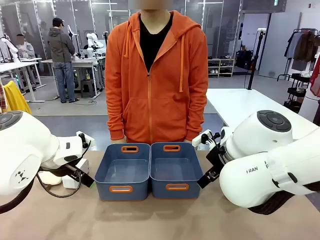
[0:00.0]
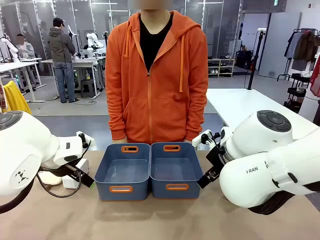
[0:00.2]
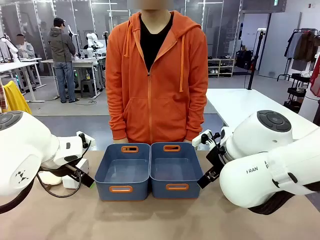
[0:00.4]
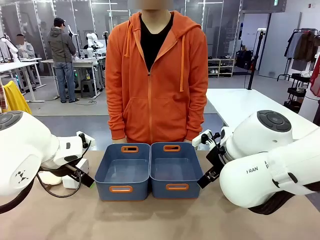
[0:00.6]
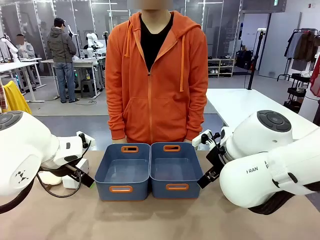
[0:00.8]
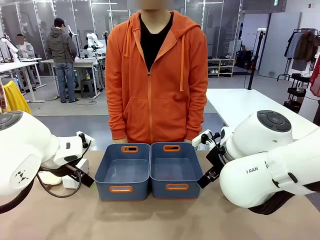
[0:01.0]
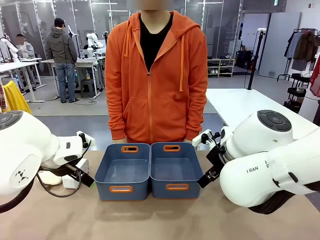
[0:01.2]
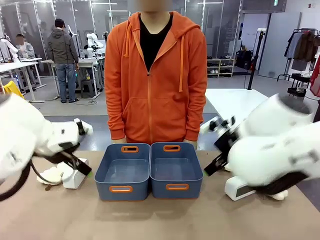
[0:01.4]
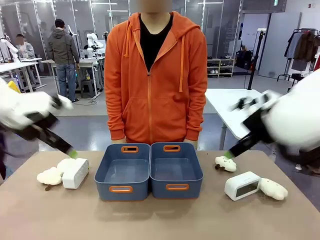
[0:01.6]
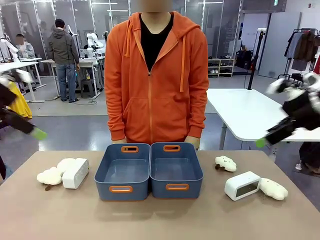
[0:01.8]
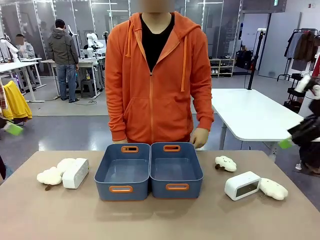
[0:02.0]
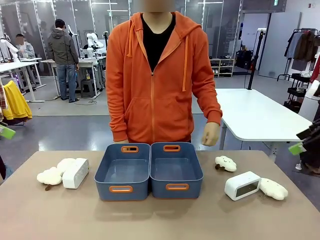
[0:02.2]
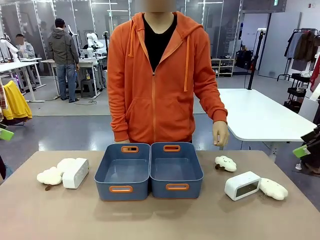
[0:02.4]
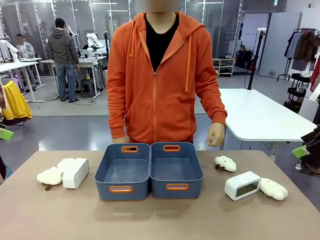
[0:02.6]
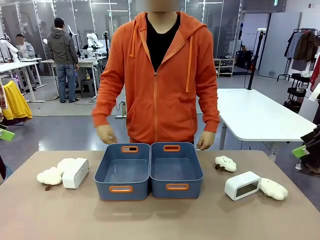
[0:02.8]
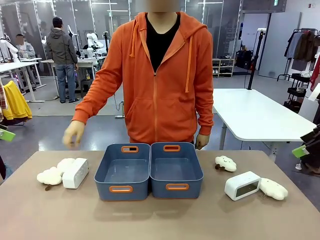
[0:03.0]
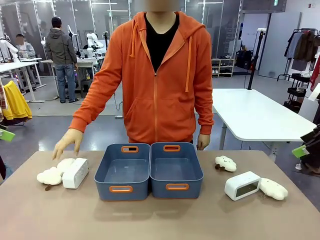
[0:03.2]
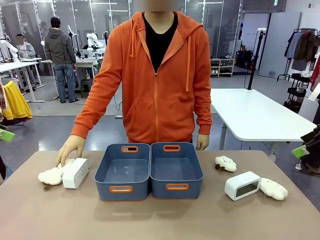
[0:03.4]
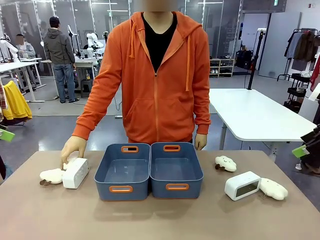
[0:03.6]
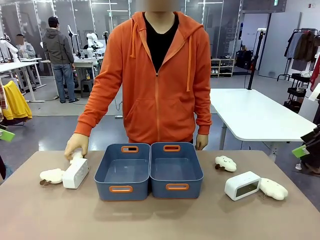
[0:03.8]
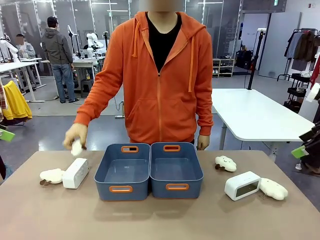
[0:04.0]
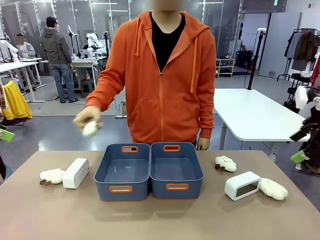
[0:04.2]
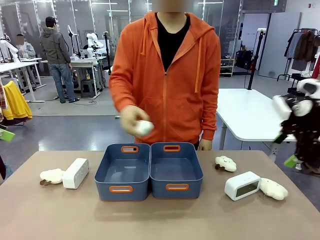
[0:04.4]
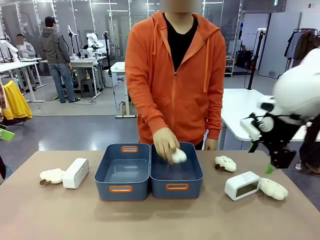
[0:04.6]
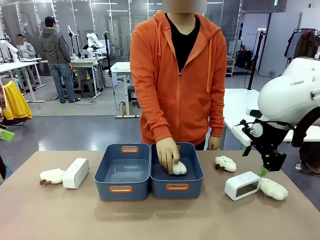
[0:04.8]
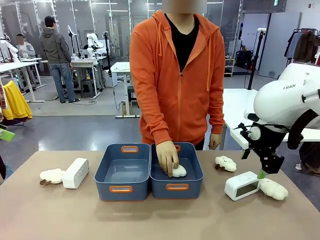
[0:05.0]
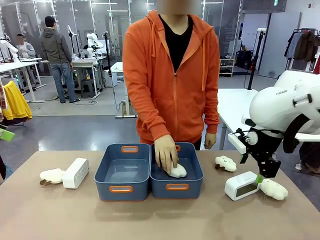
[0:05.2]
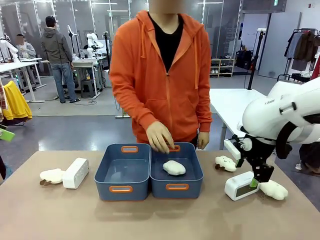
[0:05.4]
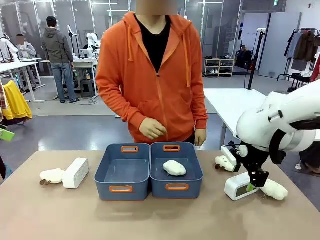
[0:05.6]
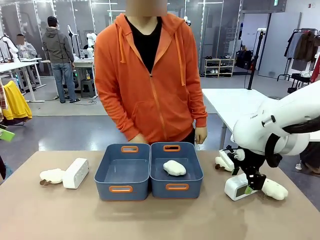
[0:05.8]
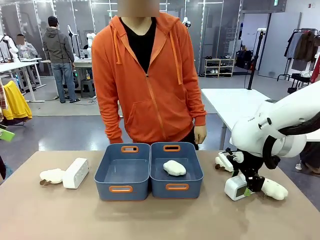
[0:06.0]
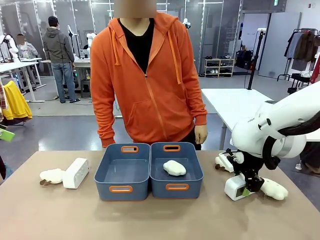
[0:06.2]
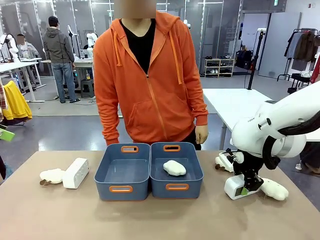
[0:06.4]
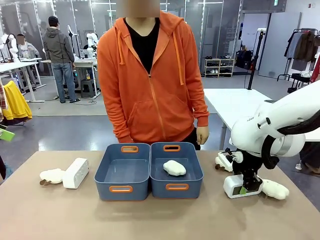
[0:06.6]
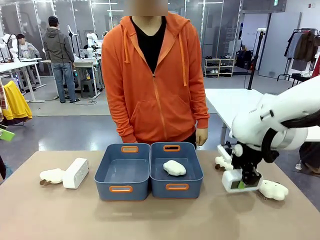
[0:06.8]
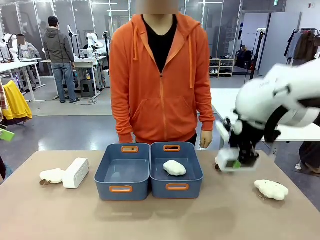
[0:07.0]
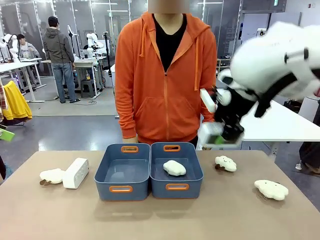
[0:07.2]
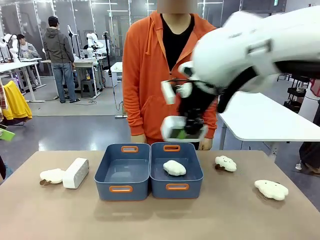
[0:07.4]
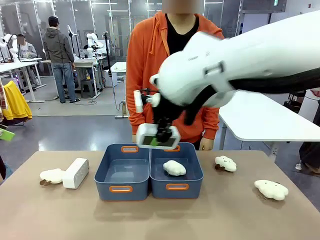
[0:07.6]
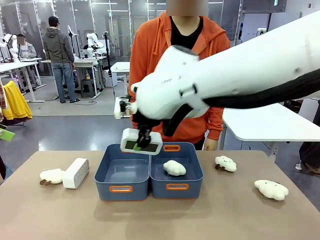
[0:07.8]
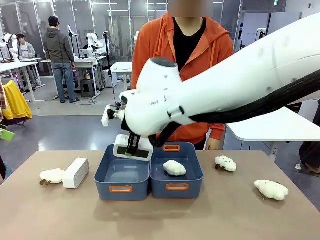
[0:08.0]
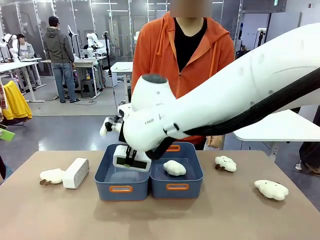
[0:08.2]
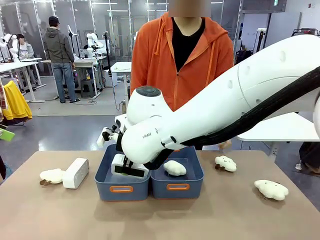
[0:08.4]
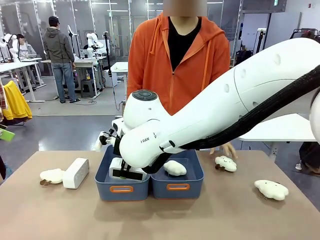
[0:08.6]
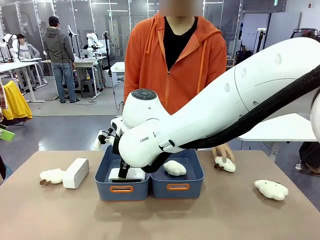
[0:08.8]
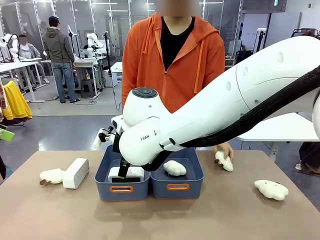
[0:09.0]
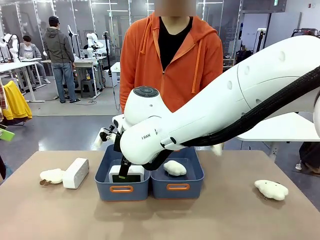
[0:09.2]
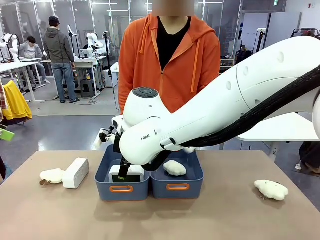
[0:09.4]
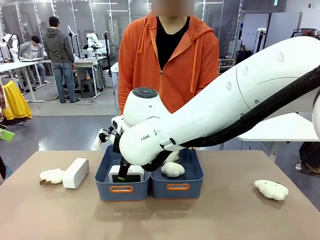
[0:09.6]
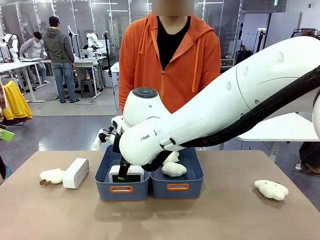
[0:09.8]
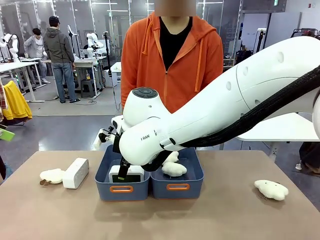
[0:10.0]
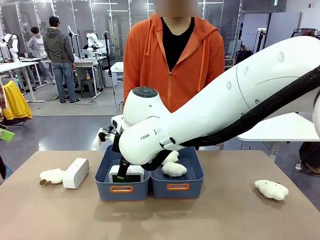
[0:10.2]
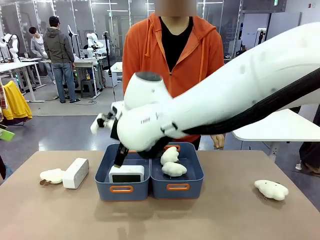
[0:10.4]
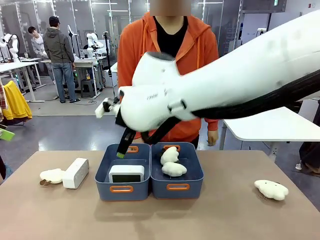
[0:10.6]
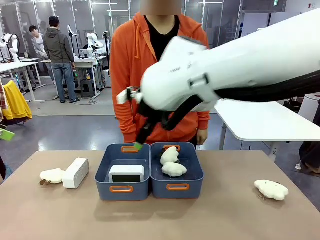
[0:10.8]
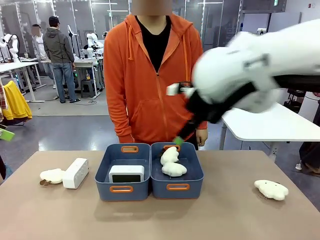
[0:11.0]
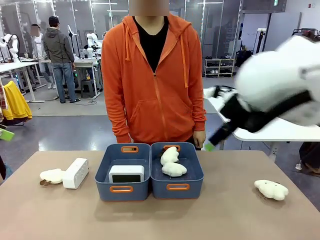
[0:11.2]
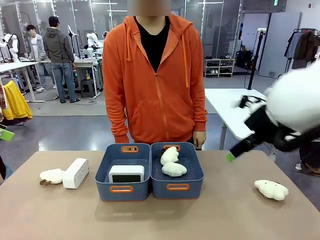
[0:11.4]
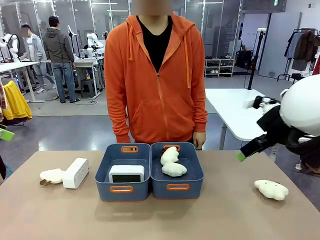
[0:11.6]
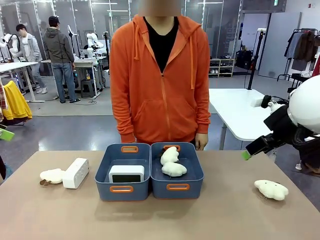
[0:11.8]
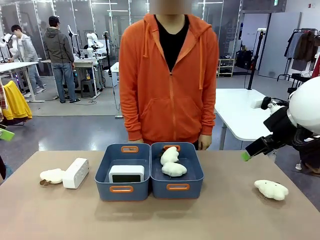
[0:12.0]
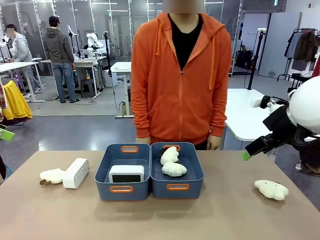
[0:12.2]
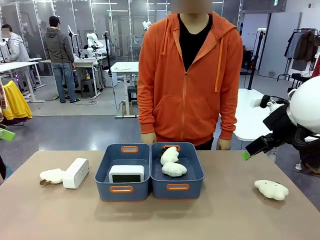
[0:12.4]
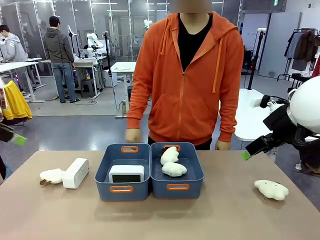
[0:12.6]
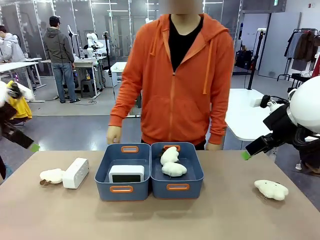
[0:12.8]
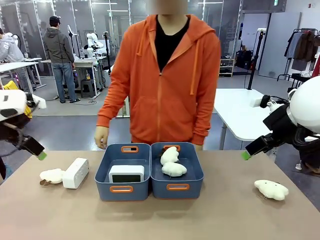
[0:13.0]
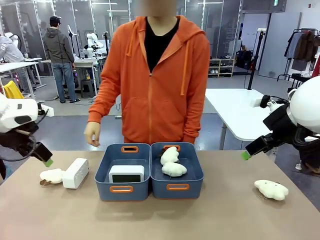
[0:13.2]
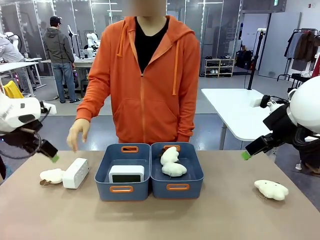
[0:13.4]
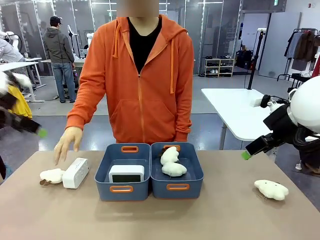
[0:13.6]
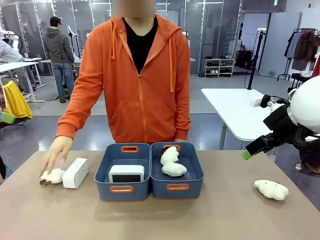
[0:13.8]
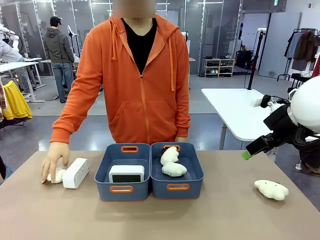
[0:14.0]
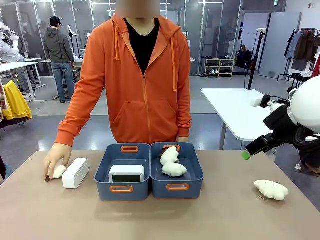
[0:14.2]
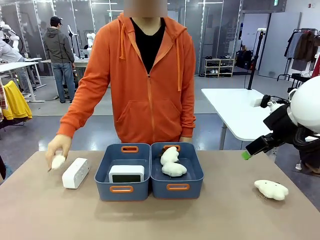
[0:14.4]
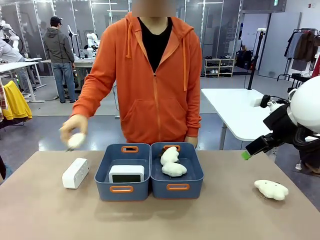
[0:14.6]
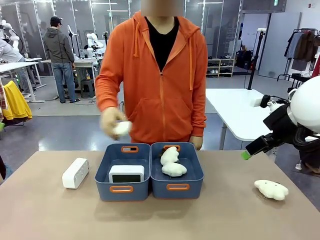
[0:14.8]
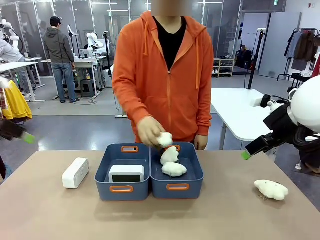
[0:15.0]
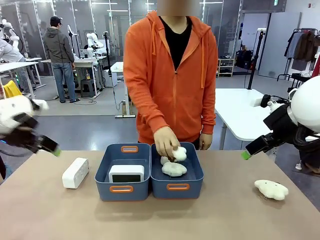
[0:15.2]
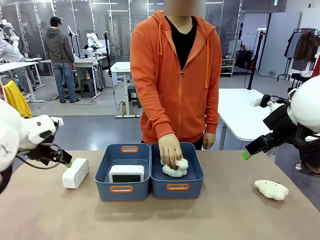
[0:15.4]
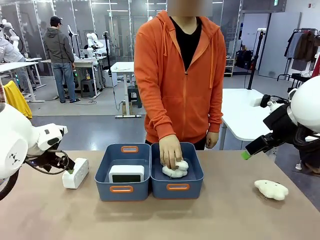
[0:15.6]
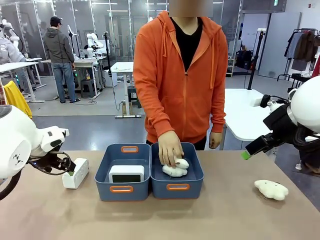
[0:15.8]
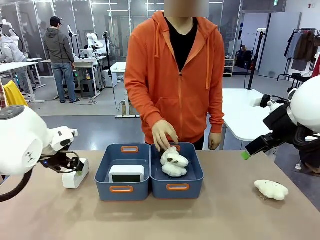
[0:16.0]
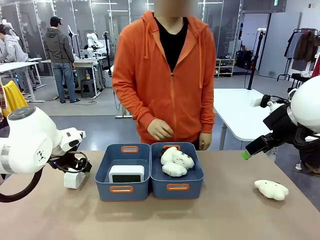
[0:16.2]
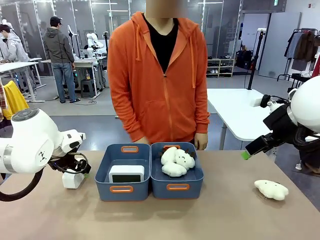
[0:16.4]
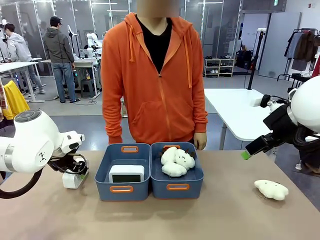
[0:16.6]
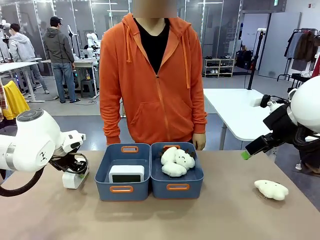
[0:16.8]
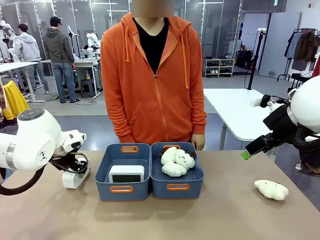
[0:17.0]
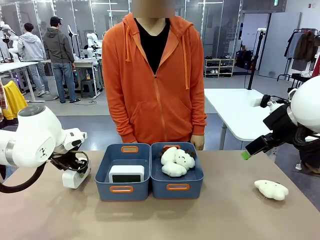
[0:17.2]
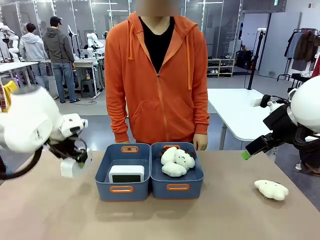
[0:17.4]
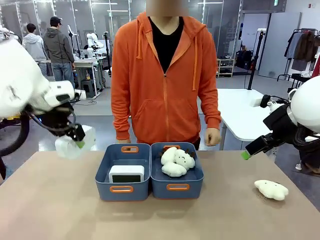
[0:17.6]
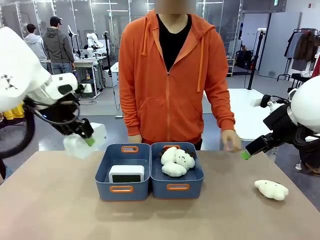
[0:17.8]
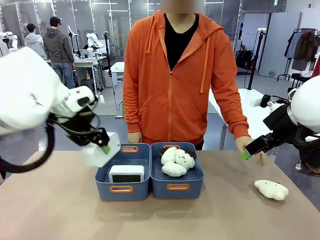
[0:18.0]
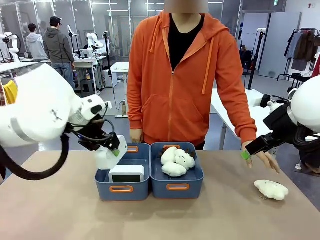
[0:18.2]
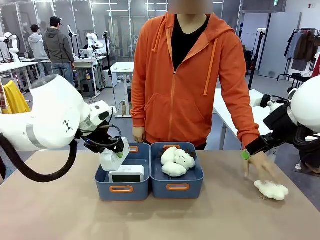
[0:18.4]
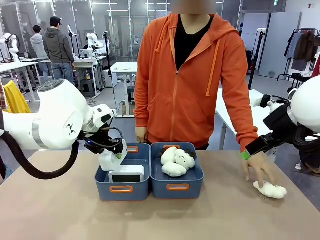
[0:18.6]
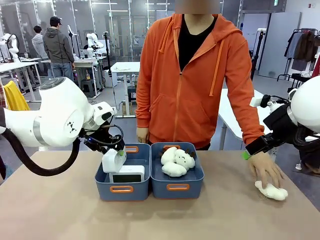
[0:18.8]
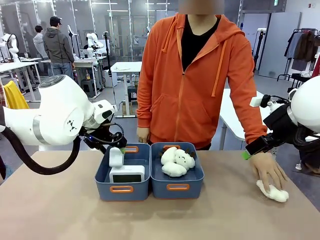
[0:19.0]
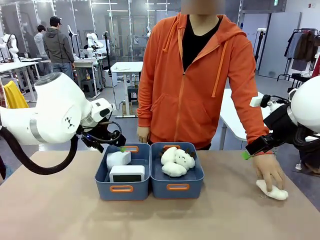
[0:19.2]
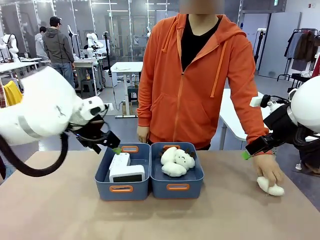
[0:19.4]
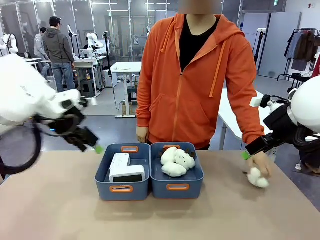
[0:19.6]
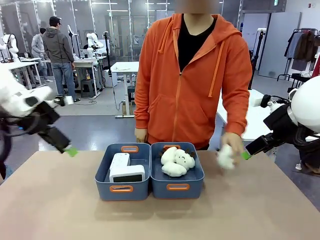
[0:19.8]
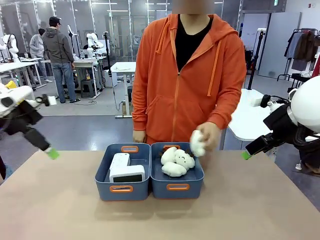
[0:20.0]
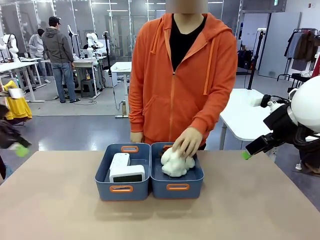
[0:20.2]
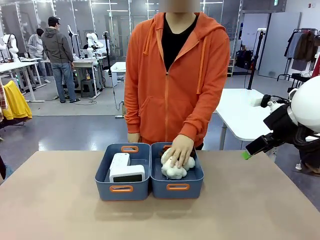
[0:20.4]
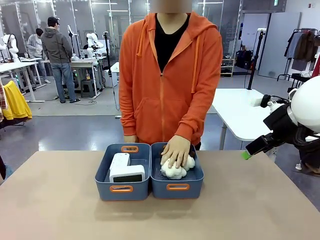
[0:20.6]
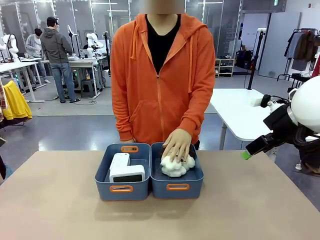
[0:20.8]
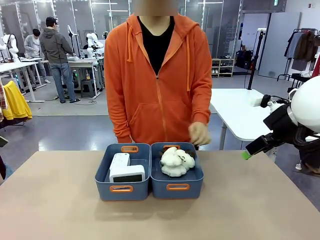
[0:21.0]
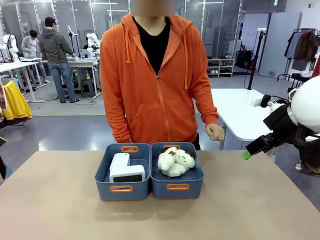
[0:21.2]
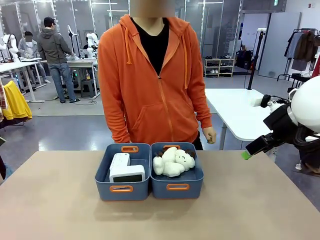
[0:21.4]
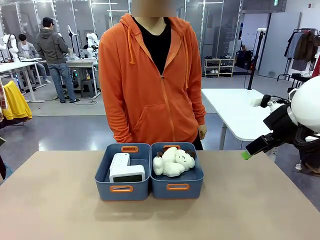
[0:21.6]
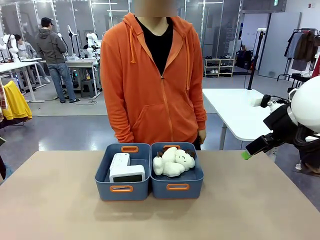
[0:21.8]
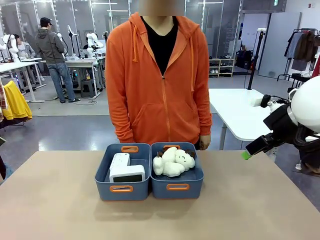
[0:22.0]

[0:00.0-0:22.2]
Task: Sort the digital clocks into the basket.
Robot: Pick up the Digital clock from the table and place it into the empty Plastic storage basket.
Person: Pick up a plush toy from the table and place it in a plastic storage basket. Pick up a plush toy from the table and place it in the plastic storage basket containing the plush toy.
